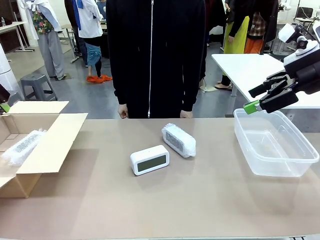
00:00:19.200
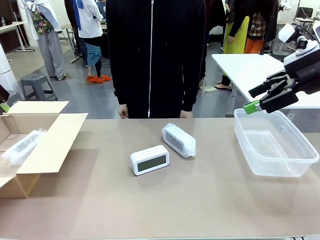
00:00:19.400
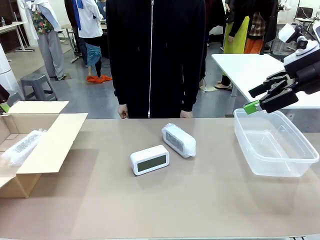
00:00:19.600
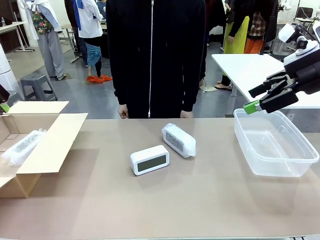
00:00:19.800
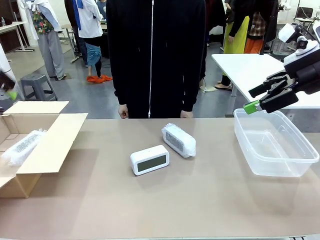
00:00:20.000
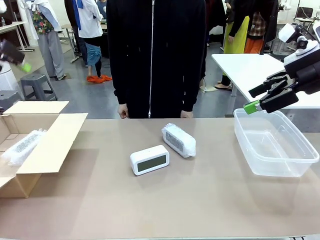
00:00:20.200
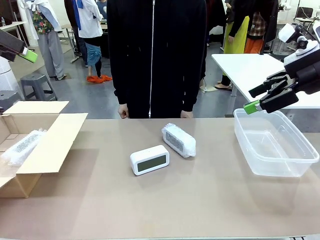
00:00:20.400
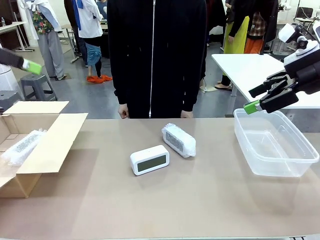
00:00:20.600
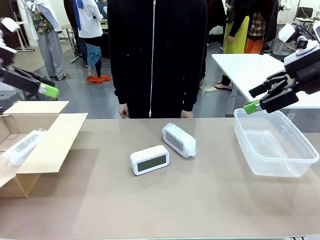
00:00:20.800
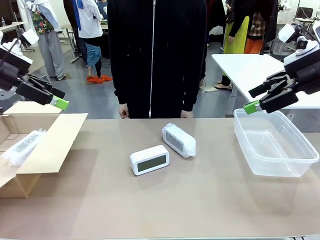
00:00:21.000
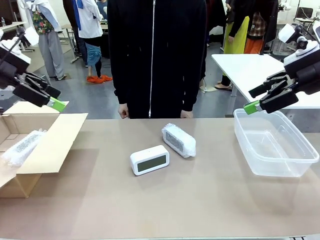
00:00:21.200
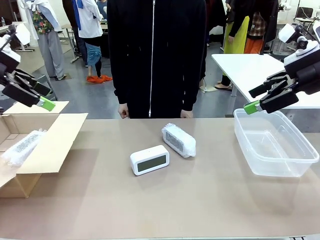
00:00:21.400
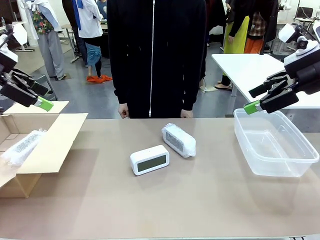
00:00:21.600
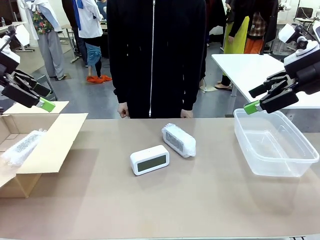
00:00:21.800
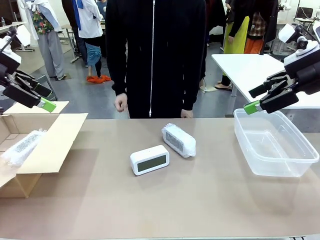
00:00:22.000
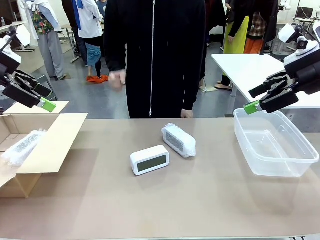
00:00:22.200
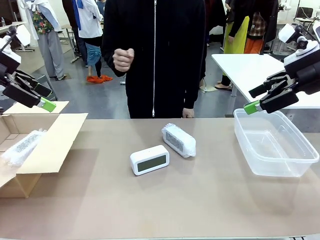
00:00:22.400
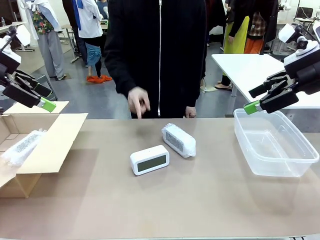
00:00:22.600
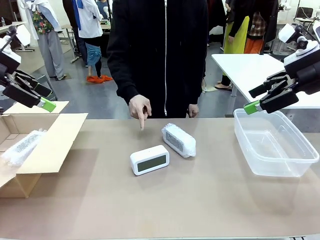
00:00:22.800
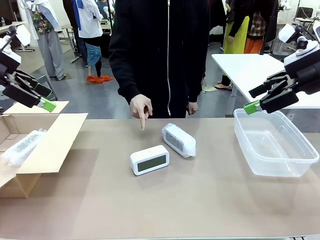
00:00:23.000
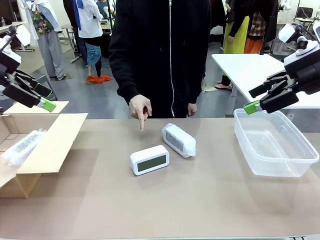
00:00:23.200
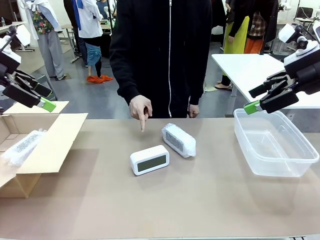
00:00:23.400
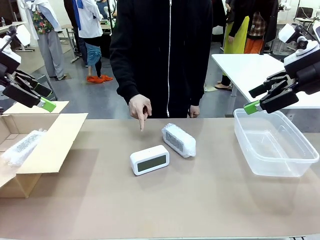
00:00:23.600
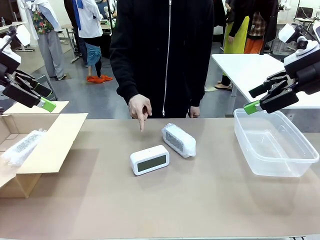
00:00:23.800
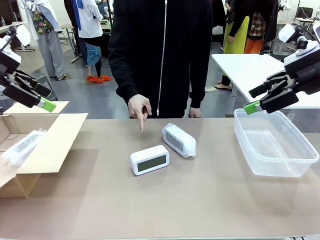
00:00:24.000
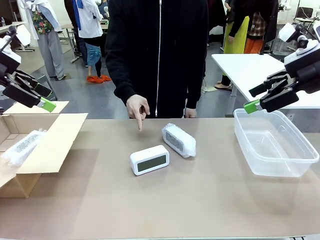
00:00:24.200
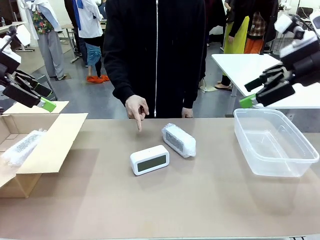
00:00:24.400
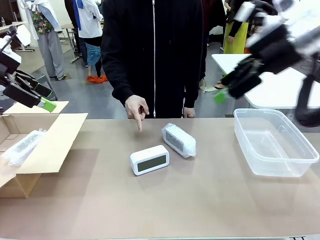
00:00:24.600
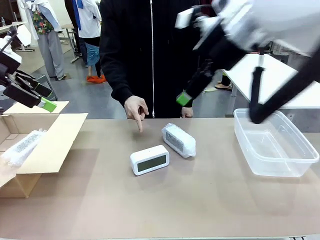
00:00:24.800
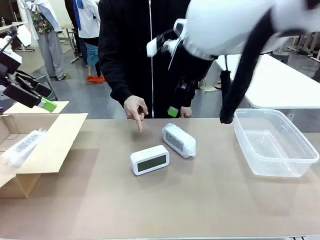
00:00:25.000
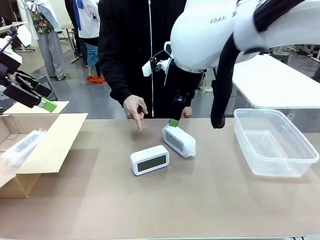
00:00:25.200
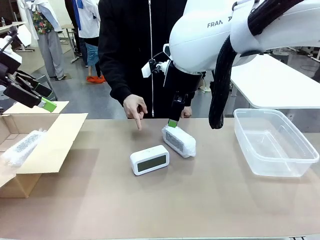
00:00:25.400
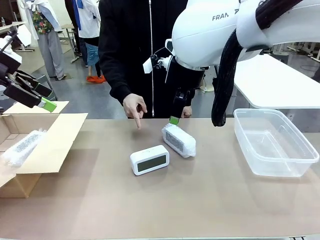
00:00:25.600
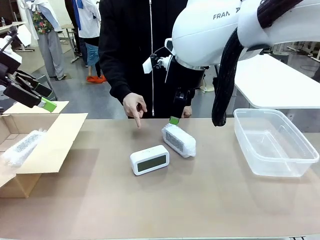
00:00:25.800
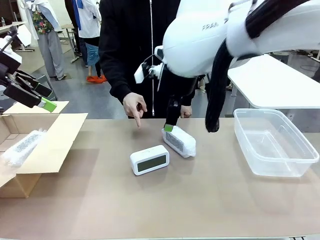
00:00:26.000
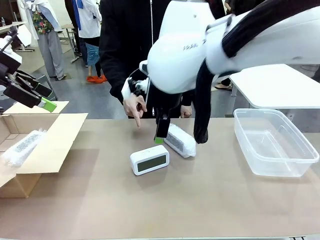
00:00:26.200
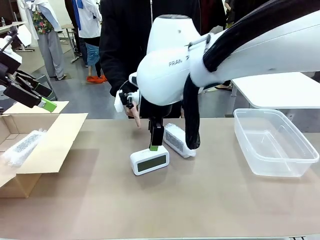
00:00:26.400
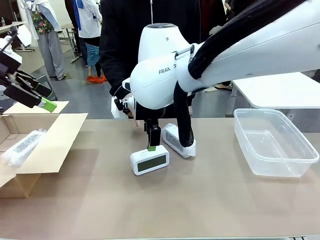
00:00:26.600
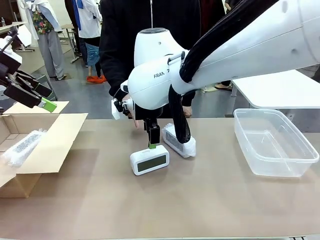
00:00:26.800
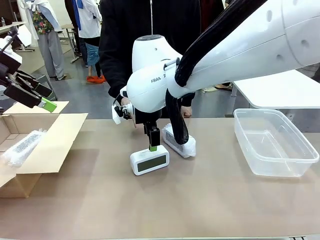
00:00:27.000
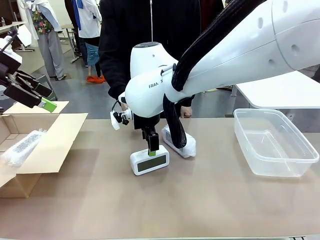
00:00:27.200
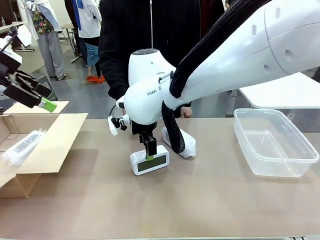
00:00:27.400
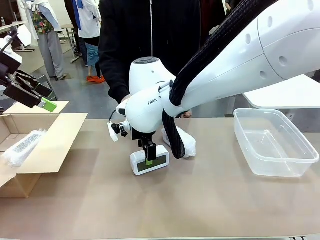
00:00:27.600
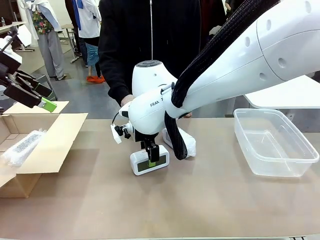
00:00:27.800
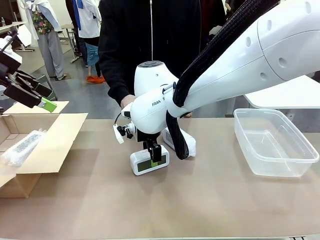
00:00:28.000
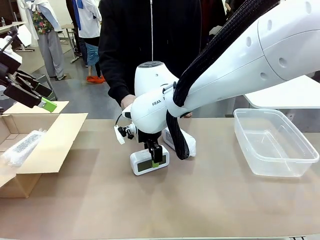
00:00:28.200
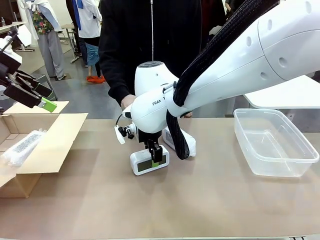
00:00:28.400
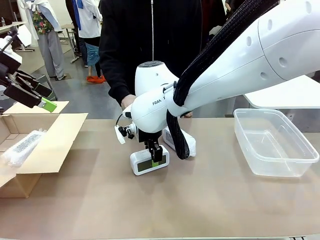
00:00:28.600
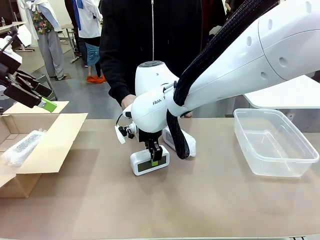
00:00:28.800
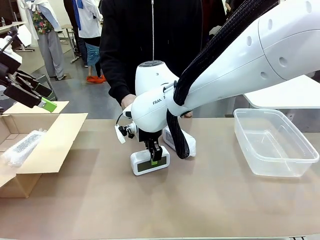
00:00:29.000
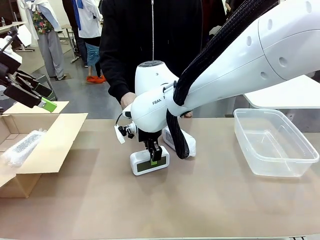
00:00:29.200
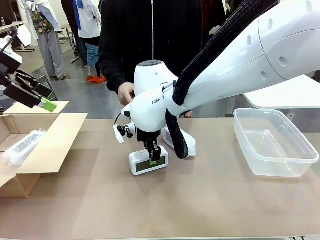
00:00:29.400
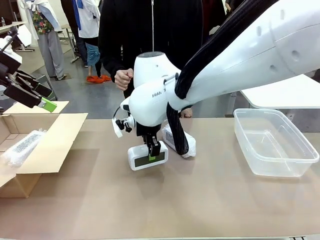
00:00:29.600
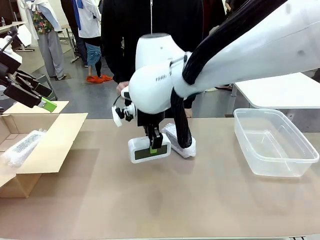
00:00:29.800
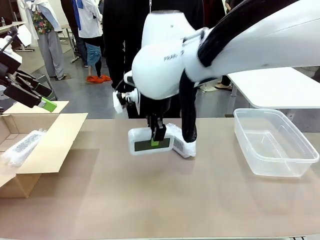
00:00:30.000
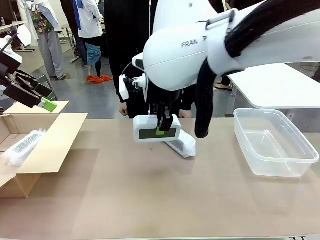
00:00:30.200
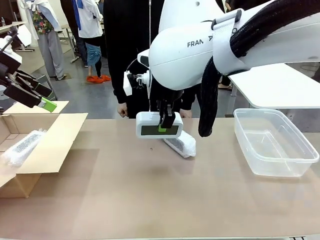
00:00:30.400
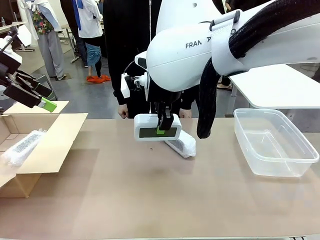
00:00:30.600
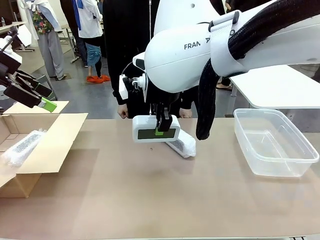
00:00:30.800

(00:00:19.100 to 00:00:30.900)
Task: Separate and place wrapped and unwrapped clocks.
Robot: Pick up the Digital clock indicated by the person.

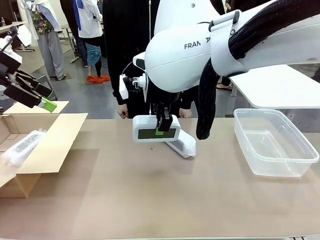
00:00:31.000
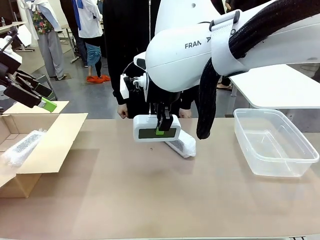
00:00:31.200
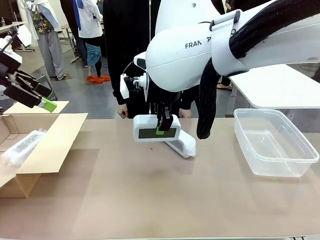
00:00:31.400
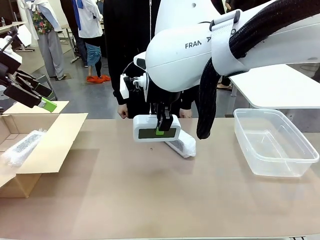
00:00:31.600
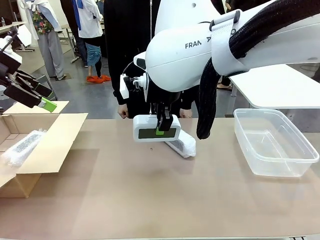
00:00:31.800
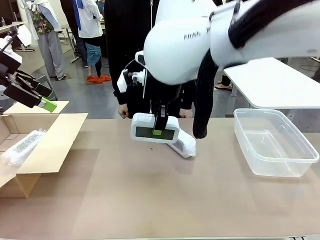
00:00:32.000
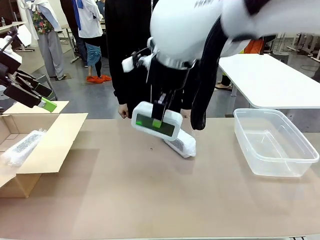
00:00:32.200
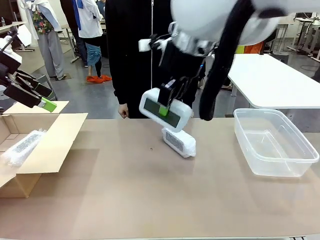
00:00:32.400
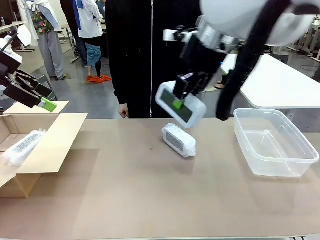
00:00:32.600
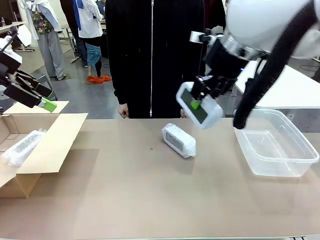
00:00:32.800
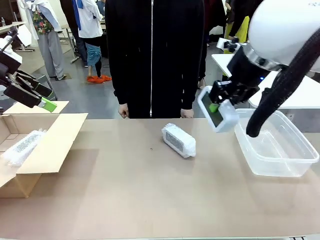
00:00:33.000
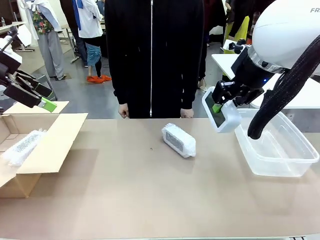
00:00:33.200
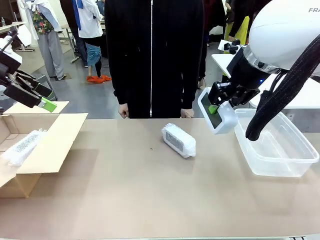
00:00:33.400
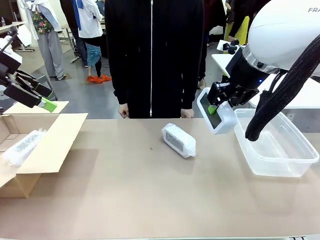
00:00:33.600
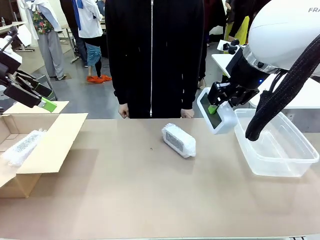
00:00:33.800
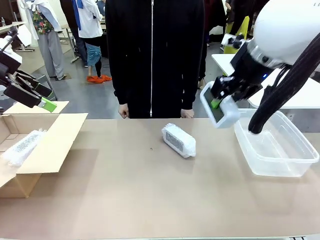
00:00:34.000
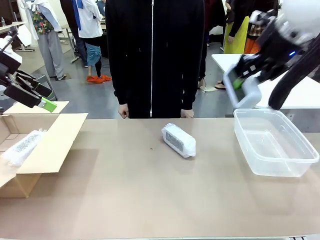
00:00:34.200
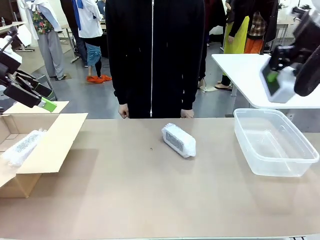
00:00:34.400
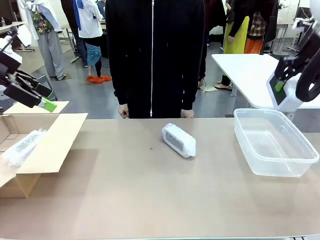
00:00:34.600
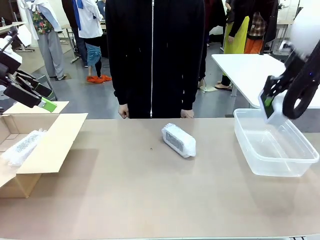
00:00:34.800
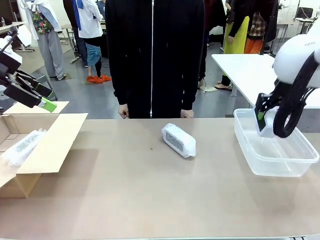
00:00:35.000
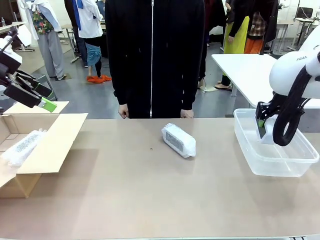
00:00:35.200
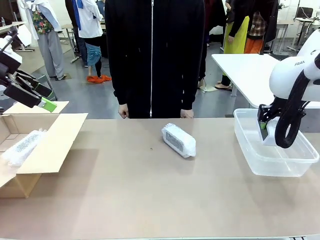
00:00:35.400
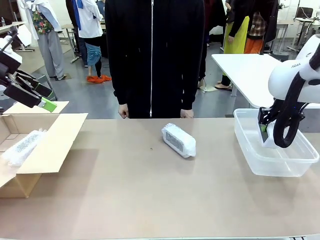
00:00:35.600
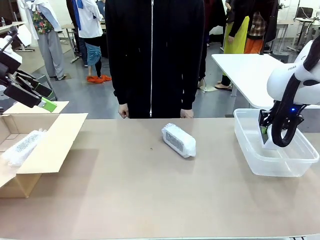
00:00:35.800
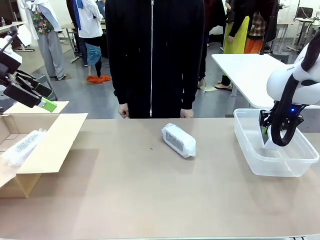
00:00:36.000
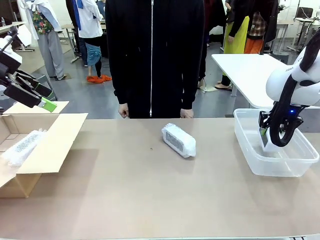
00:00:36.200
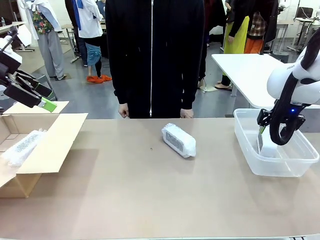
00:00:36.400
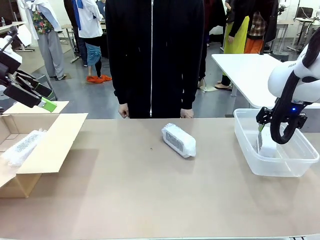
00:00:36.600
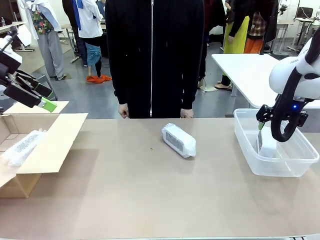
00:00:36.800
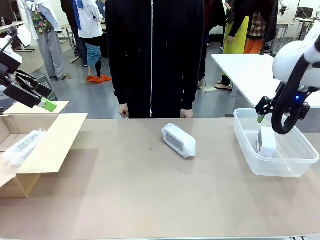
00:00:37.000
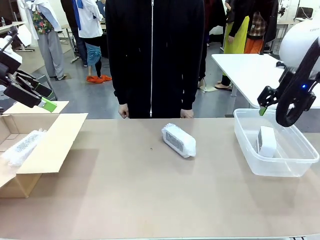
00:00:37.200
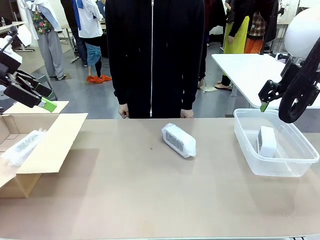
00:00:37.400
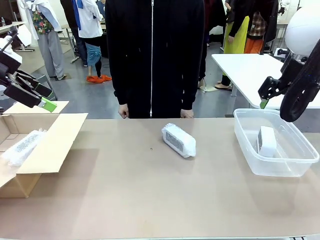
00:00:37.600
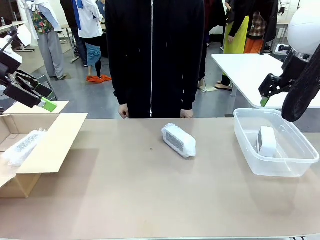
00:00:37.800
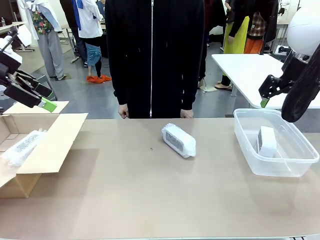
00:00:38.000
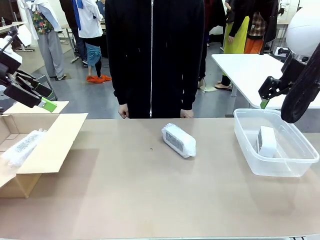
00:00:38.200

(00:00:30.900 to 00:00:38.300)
Robot: If the picked Digital clock is wrapped, place it in the Package Box ; if not, place it in the Organizing box.
